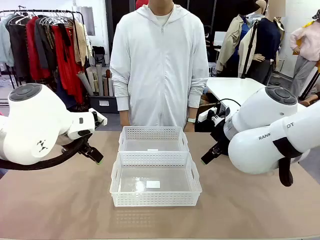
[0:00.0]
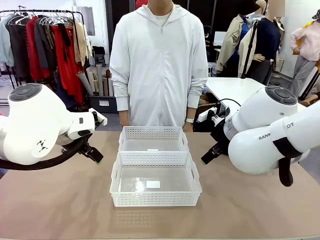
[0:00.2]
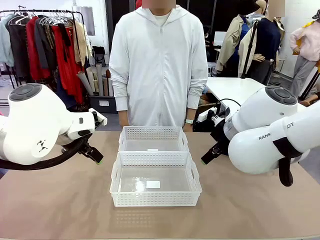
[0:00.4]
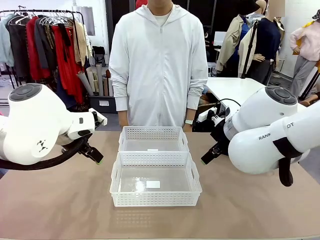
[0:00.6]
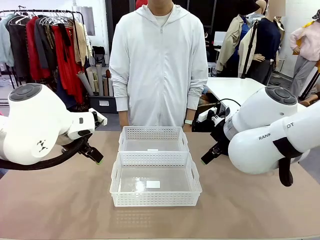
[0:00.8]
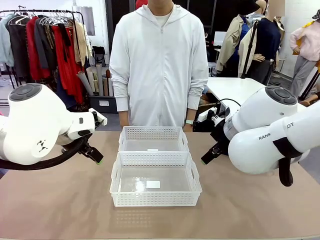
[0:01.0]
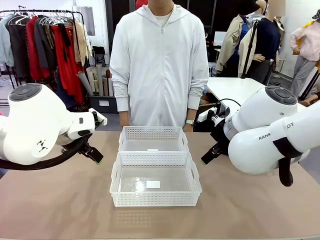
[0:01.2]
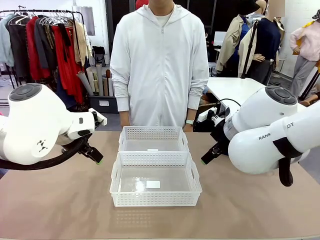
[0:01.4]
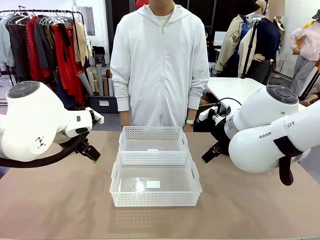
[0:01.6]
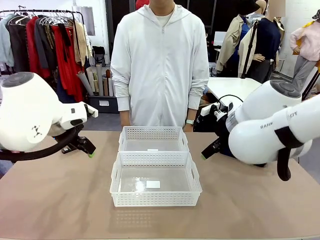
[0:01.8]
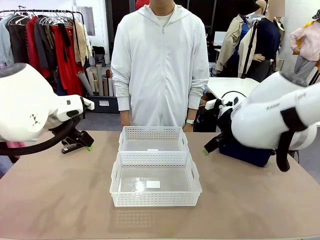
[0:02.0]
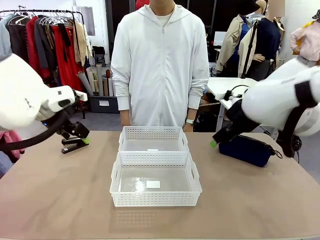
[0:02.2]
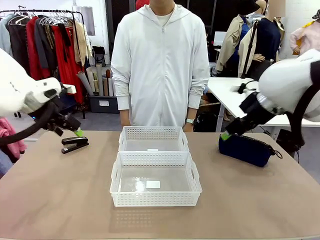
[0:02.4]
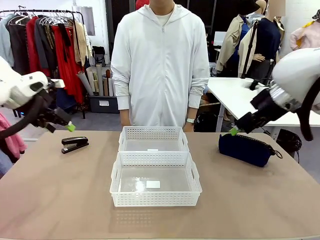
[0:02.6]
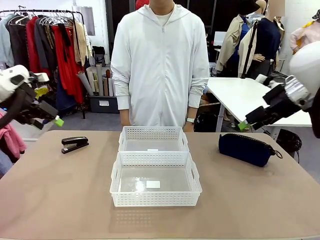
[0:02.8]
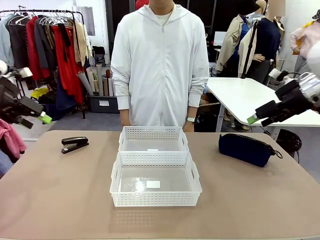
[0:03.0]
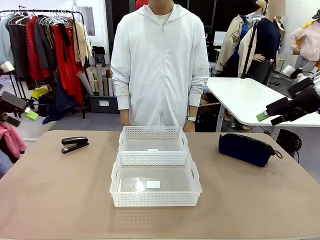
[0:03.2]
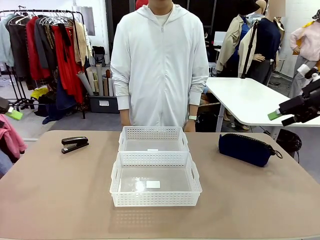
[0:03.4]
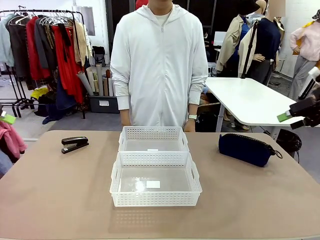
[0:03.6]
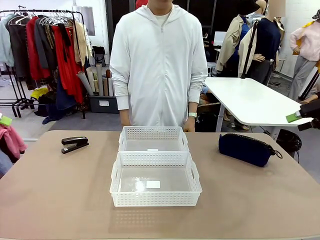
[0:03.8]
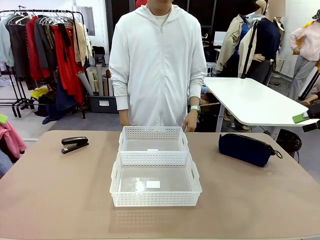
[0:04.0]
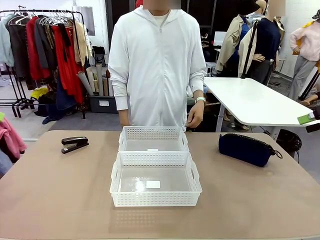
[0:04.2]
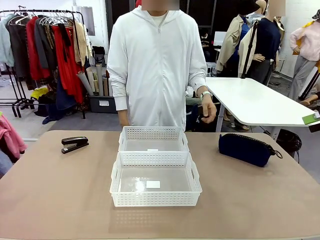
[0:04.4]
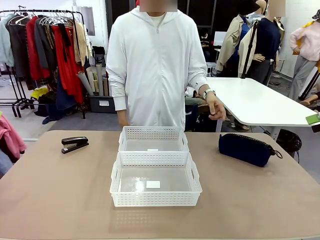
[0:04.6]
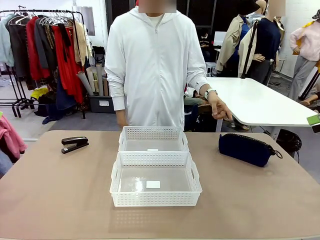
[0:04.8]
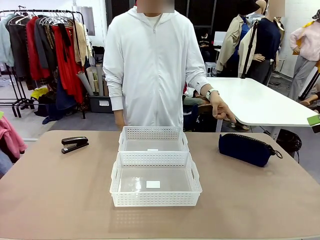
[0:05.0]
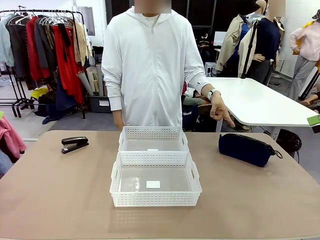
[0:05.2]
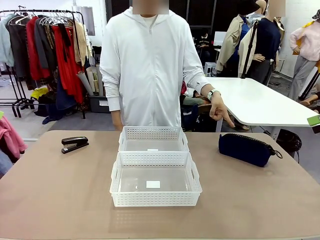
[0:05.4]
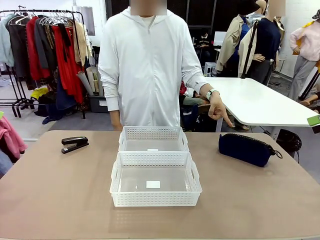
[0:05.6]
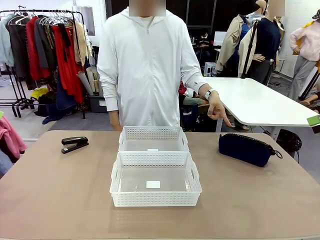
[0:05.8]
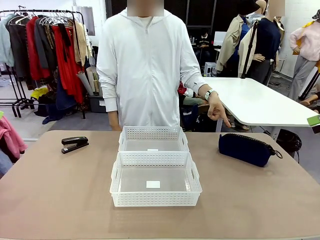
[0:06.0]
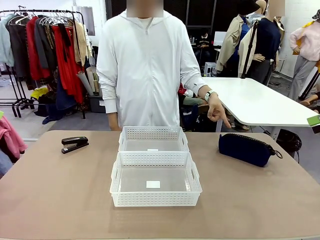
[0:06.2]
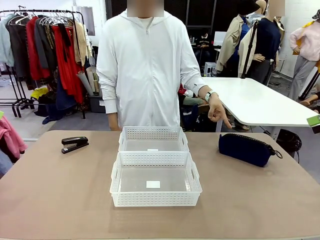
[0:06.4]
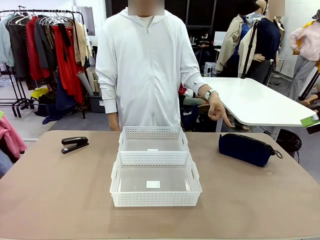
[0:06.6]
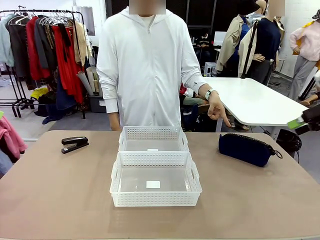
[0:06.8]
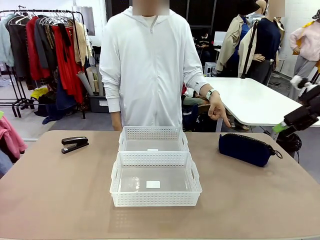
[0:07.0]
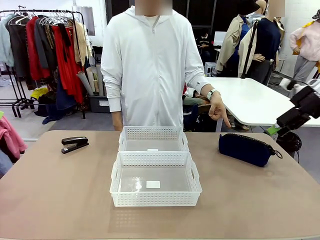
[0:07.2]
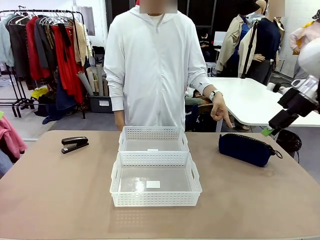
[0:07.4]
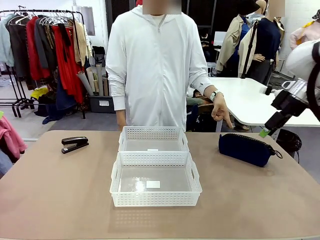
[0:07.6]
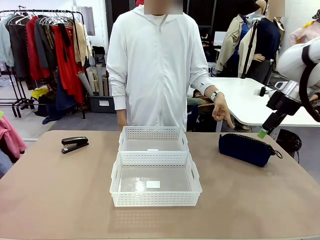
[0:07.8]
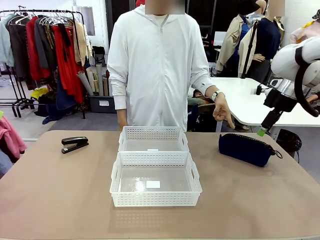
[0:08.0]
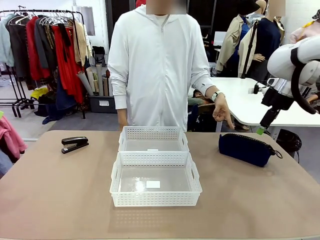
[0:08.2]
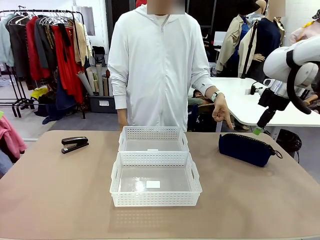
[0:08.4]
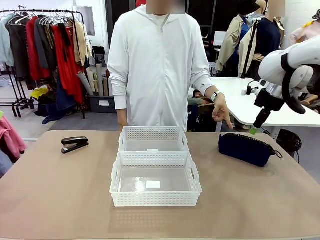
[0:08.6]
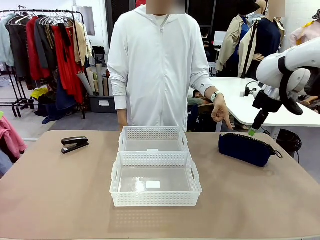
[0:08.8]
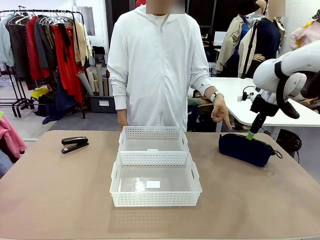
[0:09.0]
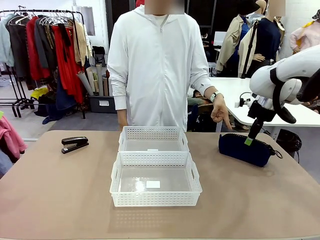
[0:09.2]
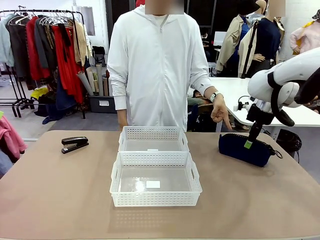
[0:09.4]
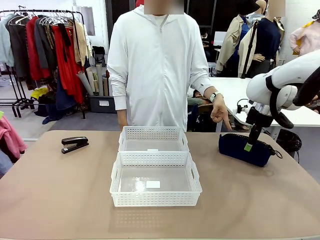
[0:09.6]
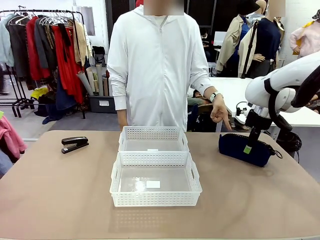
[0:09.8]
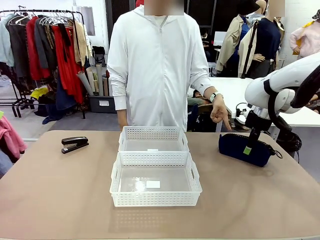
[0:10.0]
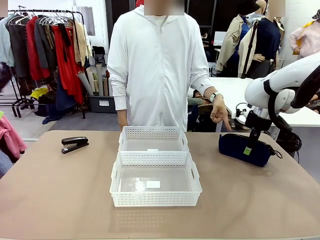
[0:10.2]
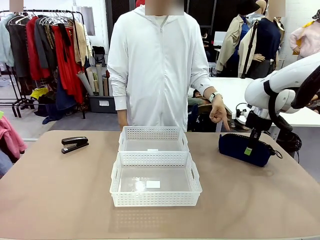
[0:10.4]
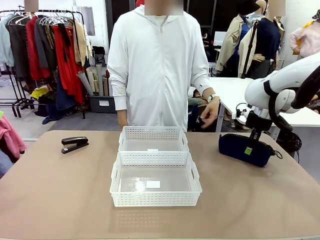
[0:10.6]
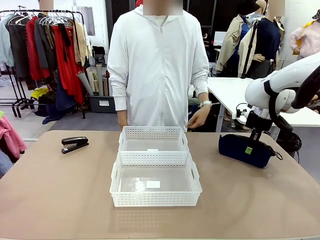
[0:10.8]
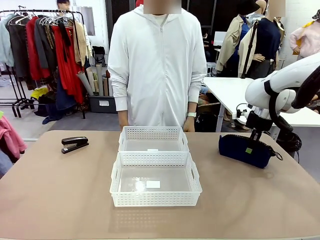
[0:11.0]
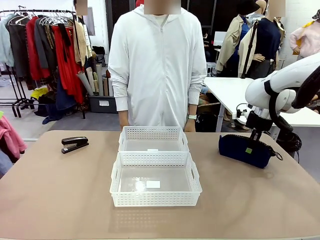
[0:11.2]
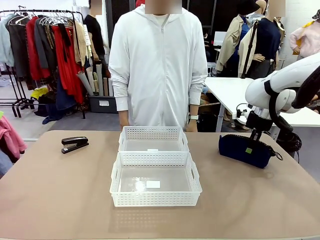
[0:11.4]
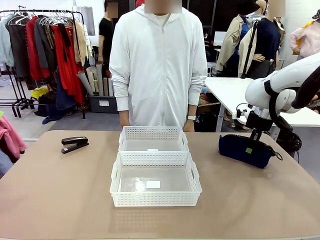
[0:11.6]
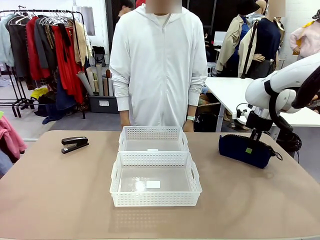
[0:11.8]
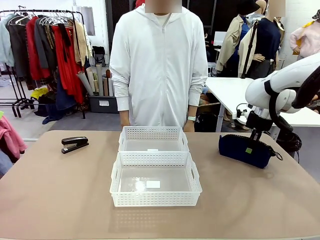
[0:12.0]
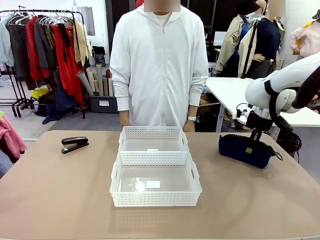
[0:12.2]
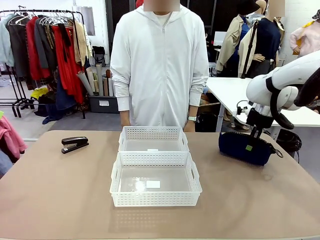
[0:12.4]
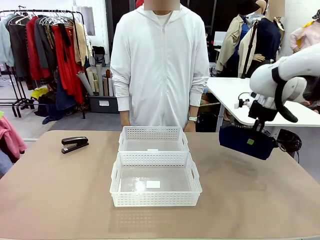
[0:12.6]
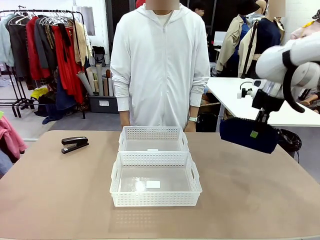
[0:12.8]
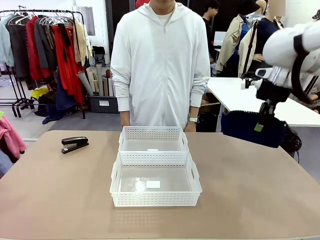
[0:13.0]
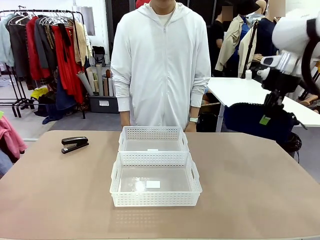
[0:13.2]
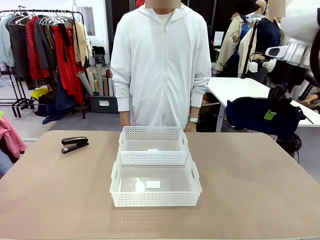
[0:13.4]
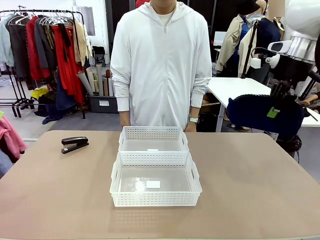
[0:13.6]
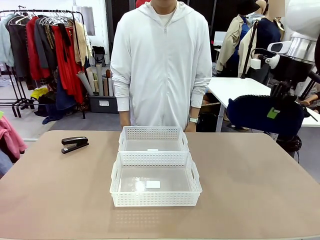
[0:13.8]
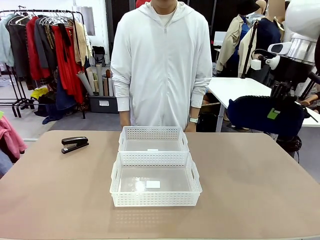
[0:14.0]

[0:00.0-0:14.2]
Task: Distribute items into two baskets.
Robot: Pick up the Pencil pouch that the person points to.
Person: Points to the pencil case. Points between the two organizing baskets and instructs the robot to move the pencil case.

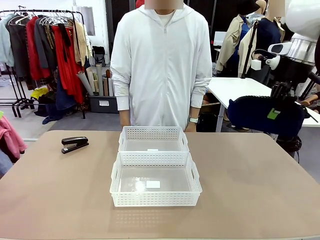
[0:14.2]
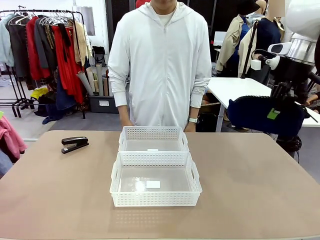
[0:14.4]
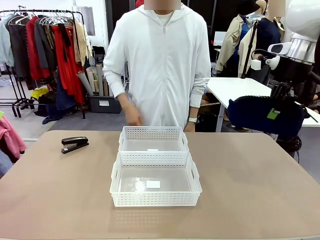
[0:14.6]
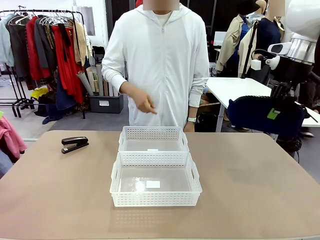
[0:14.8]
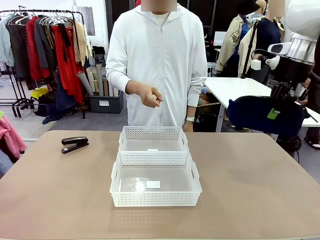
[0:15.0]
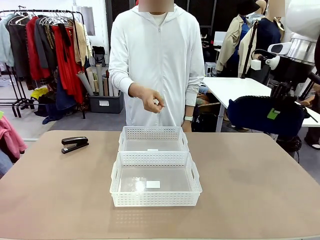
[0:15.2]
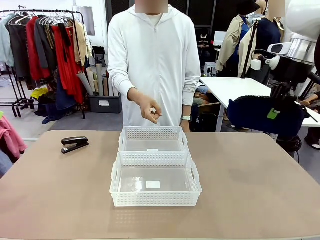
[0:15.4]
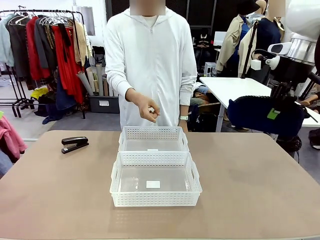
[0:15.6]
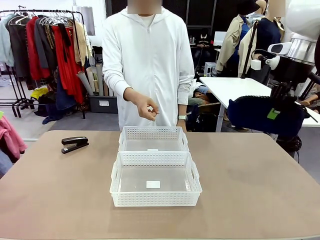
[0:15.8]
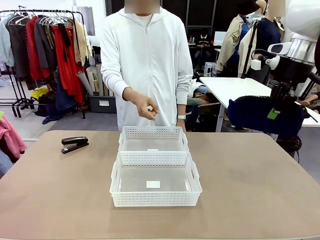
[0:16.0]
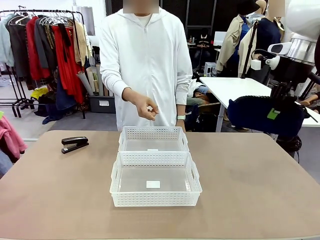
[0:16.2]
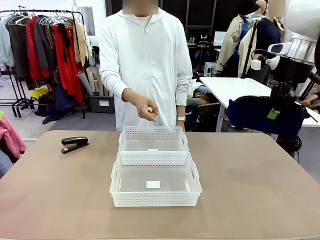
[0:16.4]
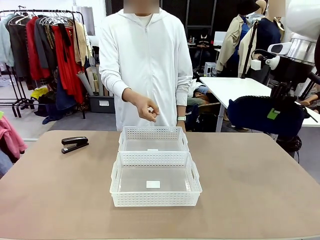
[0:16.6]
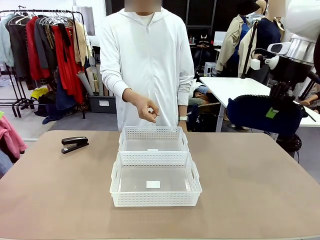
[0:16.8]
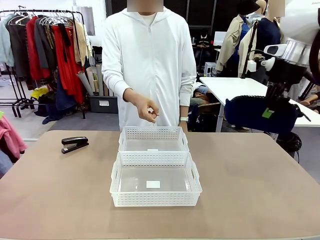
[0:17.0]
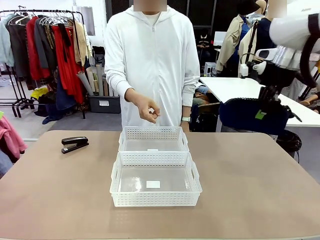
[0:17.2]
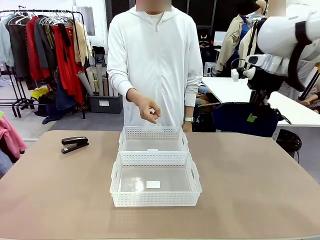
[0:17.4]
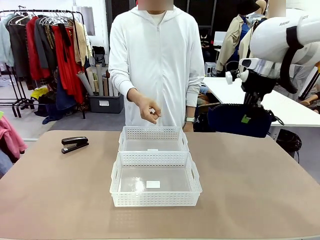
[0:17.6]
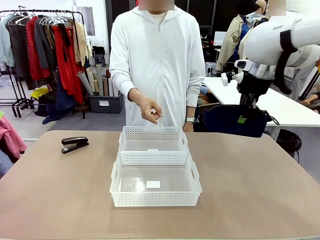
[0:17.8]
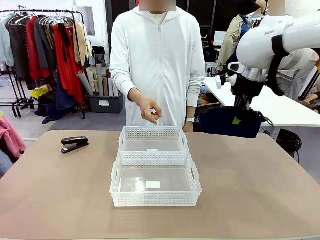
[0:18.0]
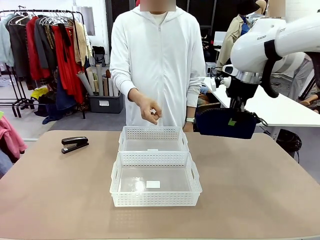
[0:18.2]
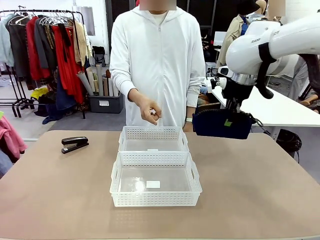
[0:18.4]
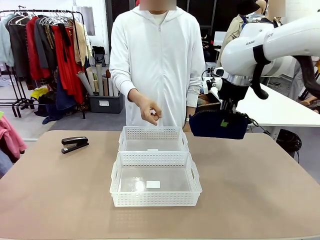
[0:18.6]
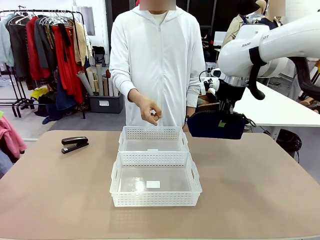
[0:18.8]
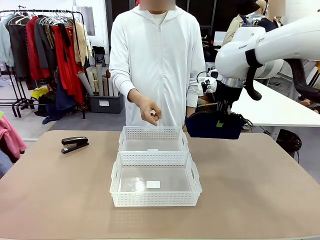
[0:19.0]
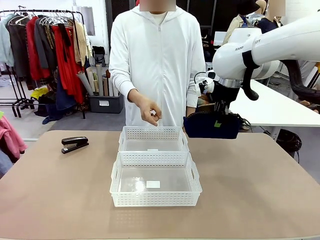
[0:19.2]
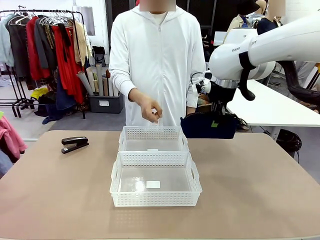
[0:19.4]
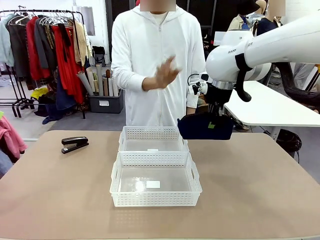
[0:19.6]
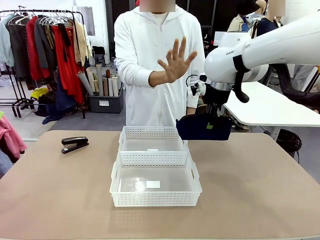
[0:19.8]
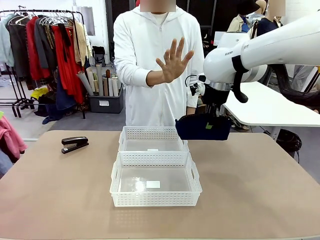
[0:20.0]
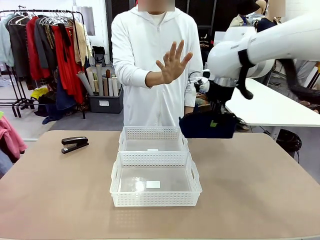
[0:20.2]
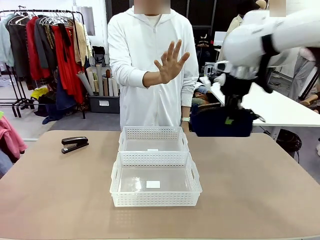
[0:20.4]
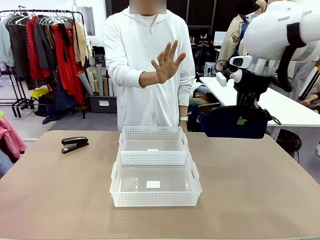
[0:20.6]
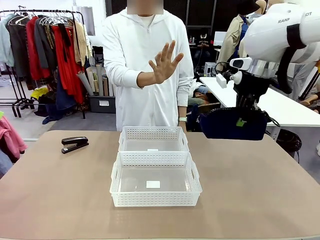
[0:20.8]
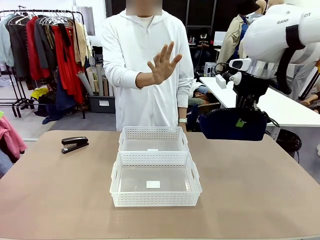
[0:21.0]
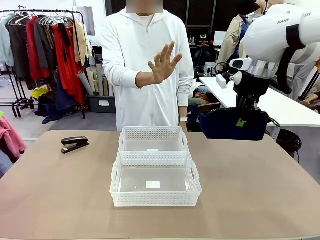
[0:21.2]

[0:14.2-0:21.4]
Robot: Move the picked Pencil pouch towards the Organizing basket indicated by the person, stopping as directed.
Person: Sends a stop gesture before the robot places the pencil case into the basket.
